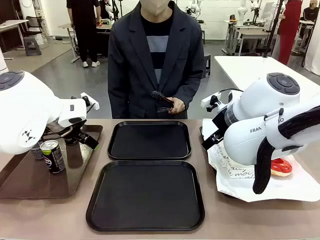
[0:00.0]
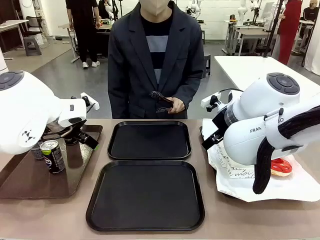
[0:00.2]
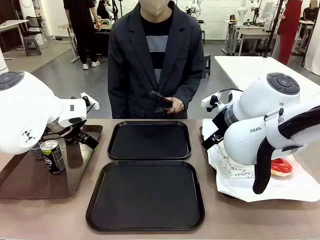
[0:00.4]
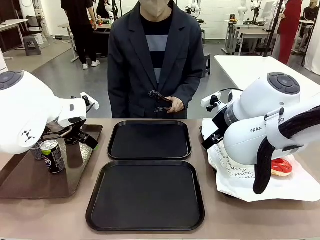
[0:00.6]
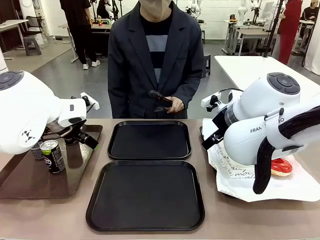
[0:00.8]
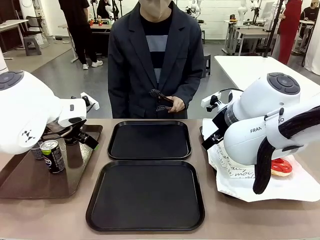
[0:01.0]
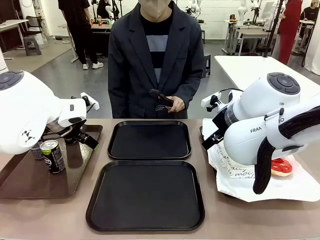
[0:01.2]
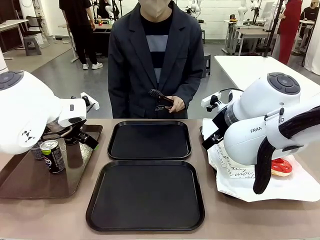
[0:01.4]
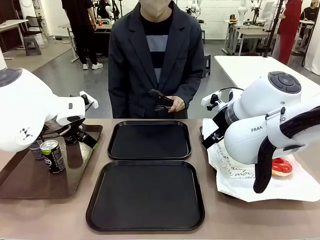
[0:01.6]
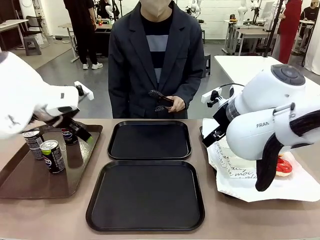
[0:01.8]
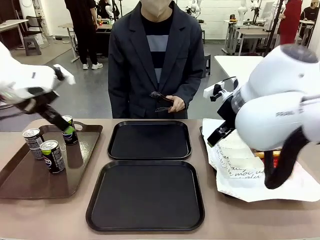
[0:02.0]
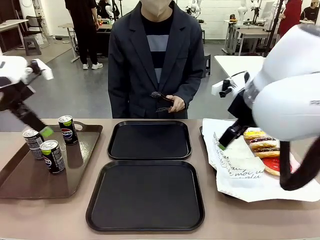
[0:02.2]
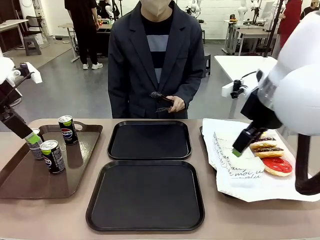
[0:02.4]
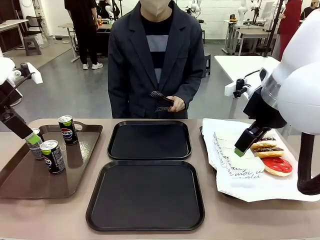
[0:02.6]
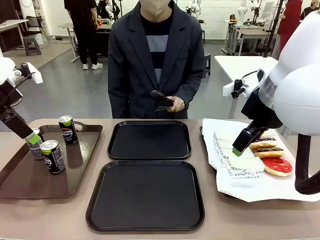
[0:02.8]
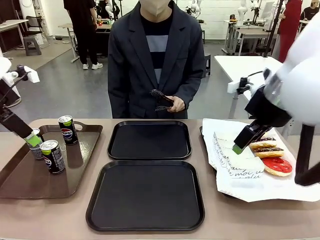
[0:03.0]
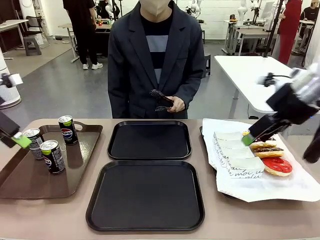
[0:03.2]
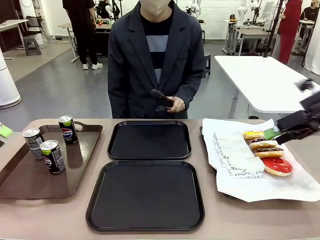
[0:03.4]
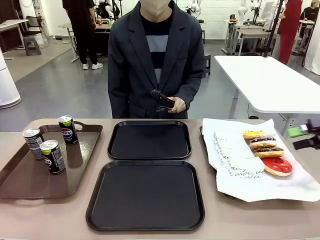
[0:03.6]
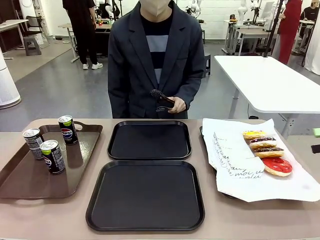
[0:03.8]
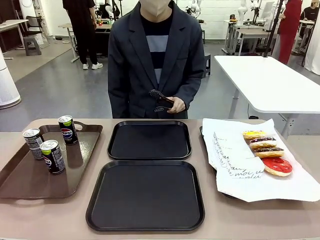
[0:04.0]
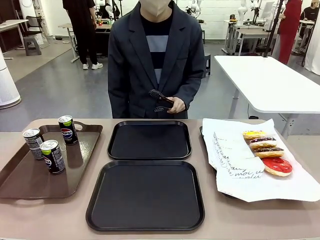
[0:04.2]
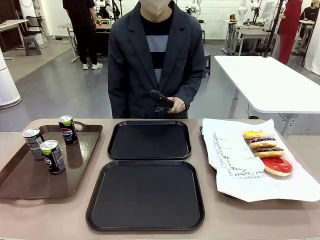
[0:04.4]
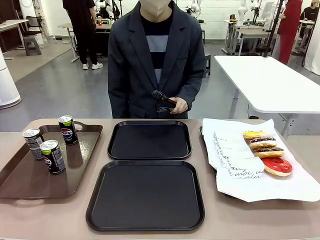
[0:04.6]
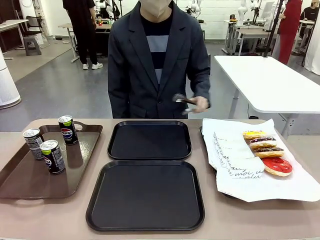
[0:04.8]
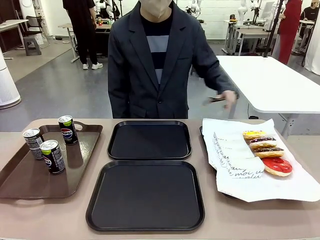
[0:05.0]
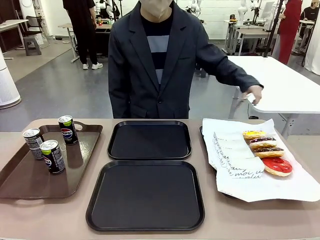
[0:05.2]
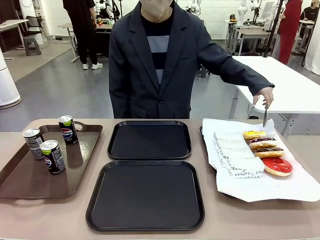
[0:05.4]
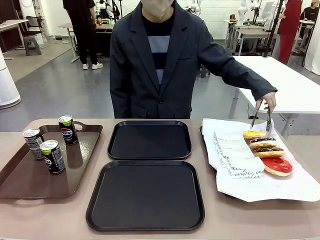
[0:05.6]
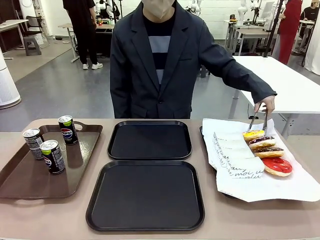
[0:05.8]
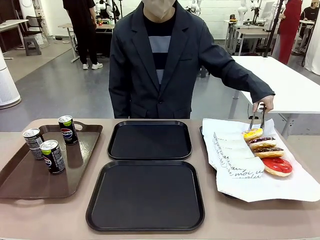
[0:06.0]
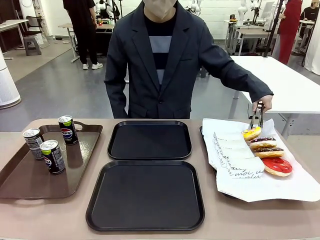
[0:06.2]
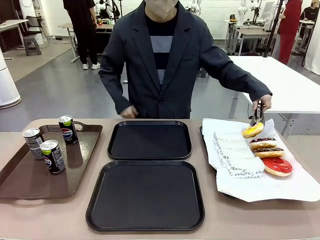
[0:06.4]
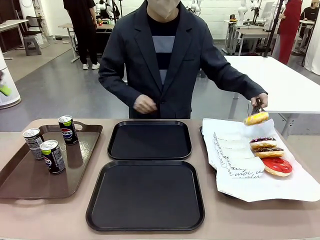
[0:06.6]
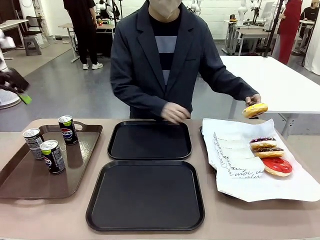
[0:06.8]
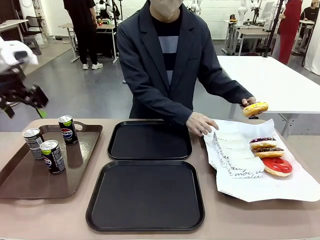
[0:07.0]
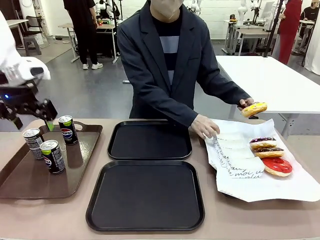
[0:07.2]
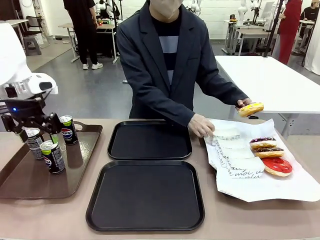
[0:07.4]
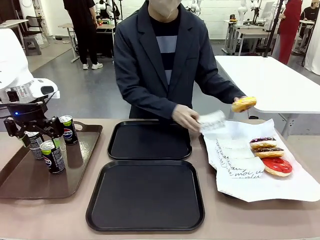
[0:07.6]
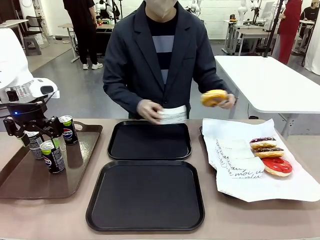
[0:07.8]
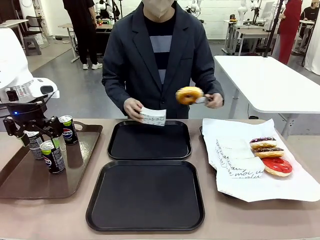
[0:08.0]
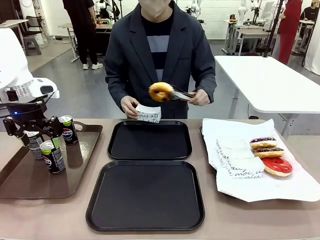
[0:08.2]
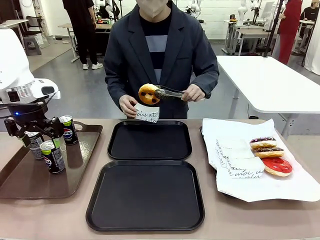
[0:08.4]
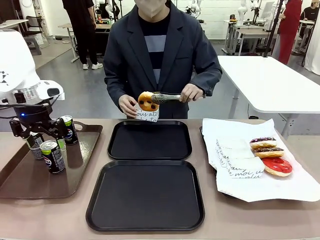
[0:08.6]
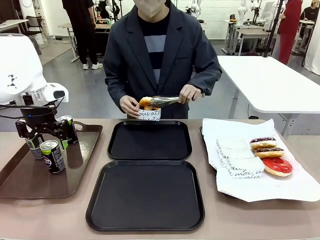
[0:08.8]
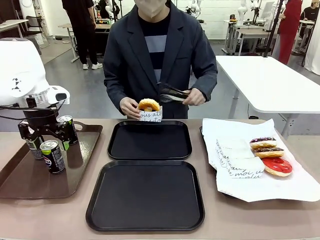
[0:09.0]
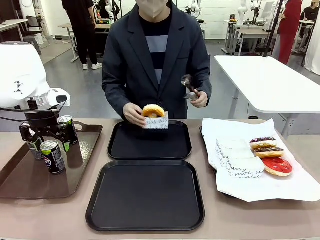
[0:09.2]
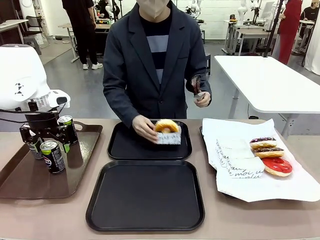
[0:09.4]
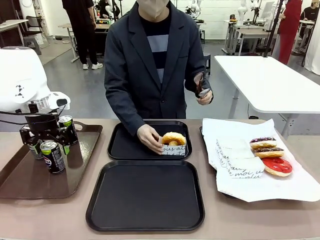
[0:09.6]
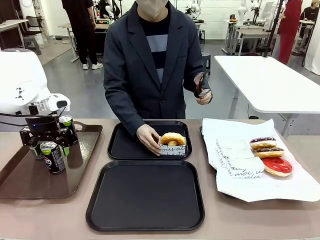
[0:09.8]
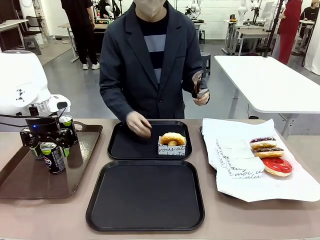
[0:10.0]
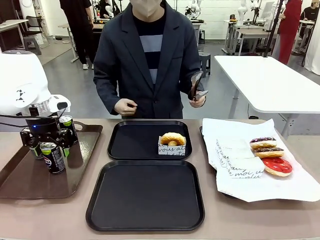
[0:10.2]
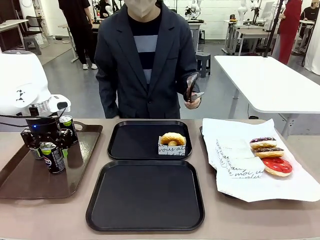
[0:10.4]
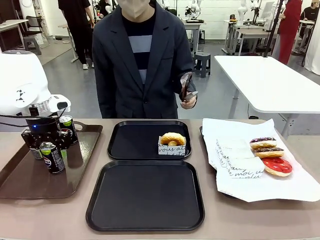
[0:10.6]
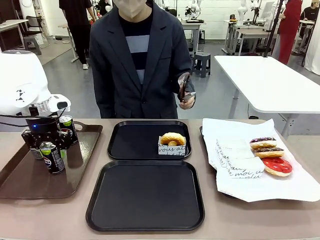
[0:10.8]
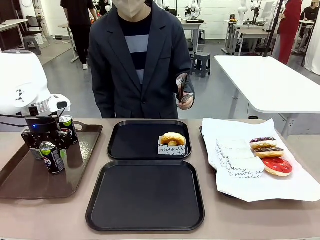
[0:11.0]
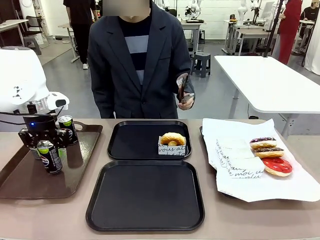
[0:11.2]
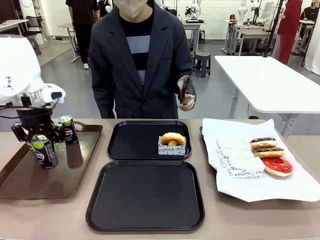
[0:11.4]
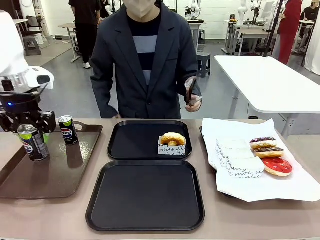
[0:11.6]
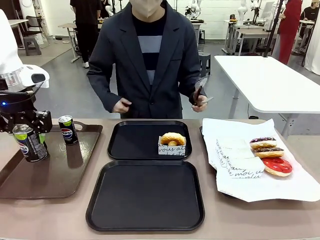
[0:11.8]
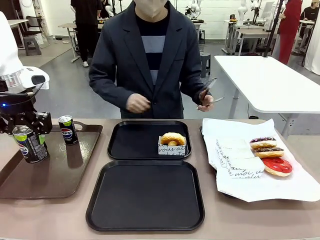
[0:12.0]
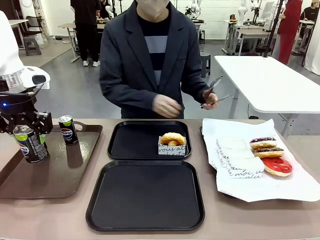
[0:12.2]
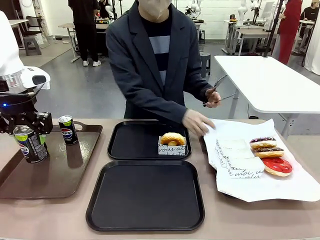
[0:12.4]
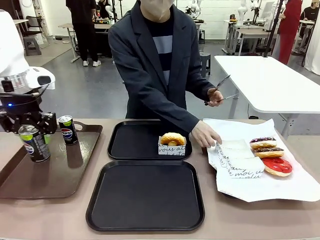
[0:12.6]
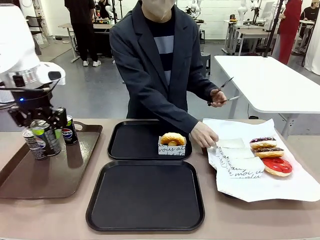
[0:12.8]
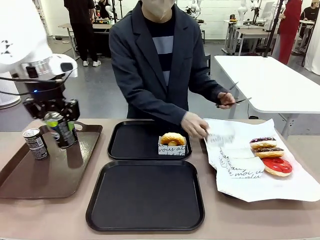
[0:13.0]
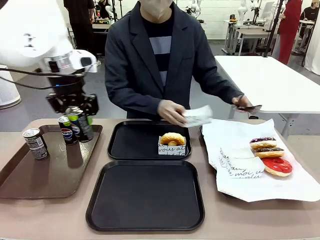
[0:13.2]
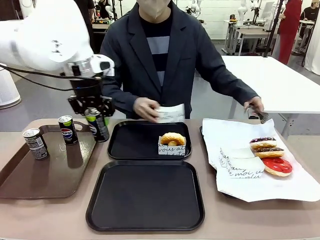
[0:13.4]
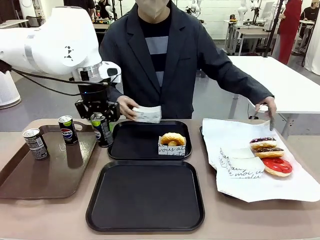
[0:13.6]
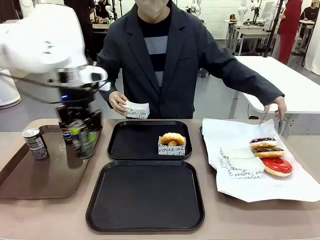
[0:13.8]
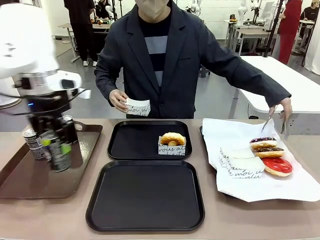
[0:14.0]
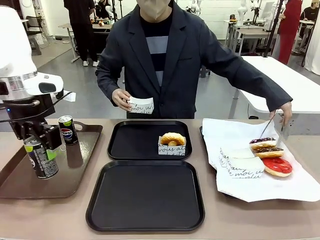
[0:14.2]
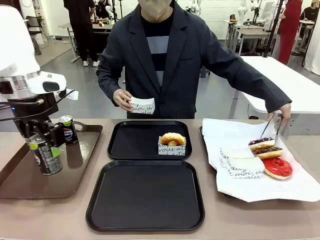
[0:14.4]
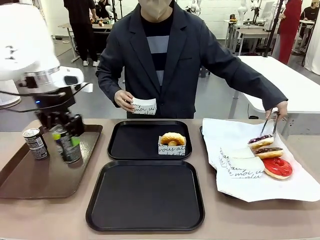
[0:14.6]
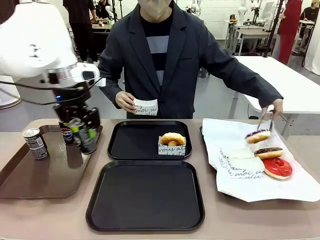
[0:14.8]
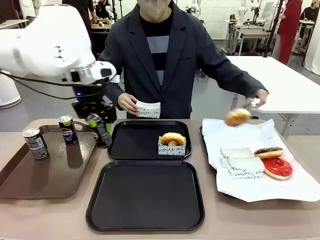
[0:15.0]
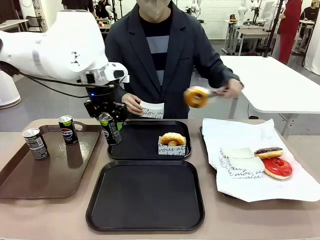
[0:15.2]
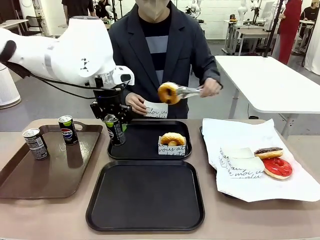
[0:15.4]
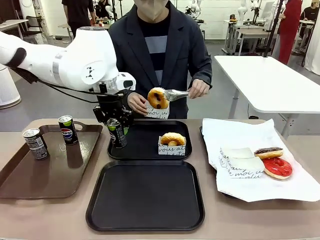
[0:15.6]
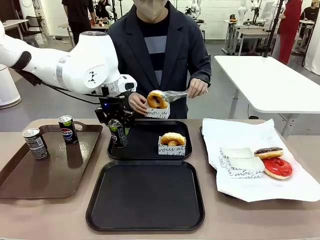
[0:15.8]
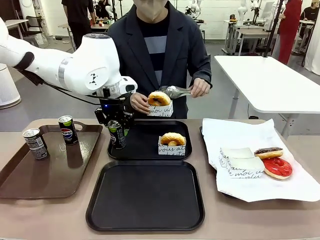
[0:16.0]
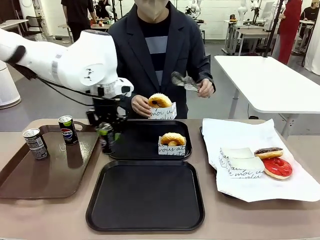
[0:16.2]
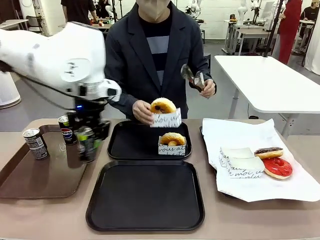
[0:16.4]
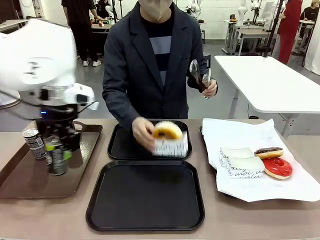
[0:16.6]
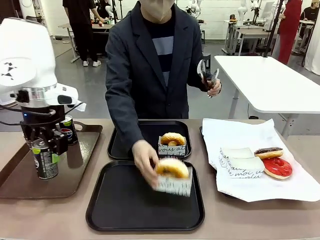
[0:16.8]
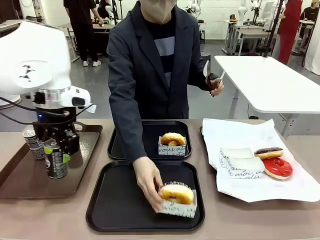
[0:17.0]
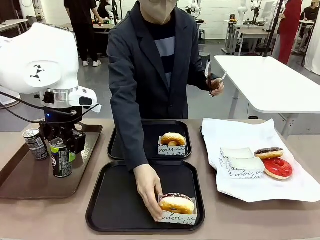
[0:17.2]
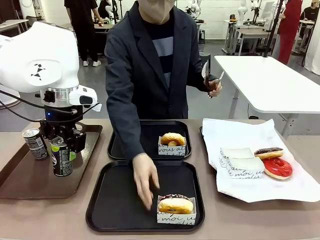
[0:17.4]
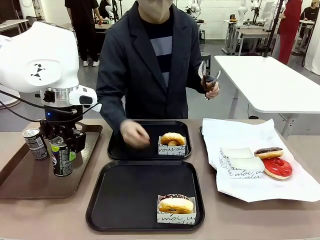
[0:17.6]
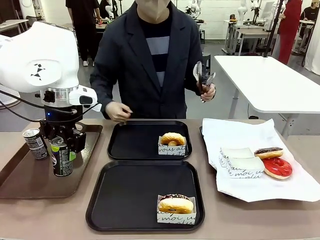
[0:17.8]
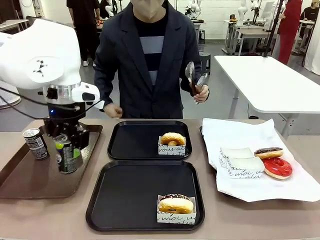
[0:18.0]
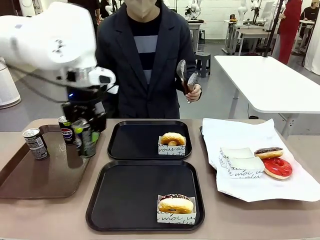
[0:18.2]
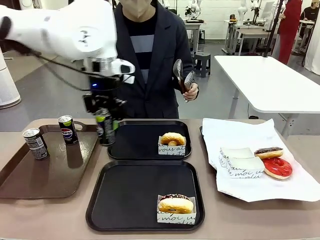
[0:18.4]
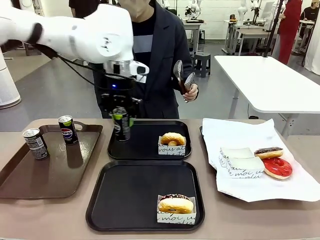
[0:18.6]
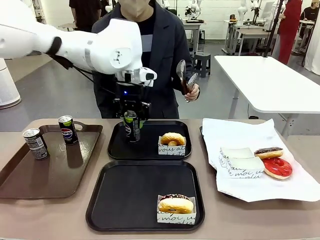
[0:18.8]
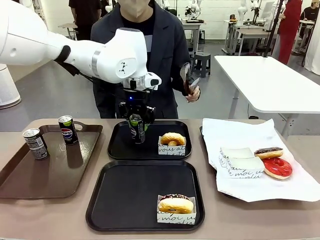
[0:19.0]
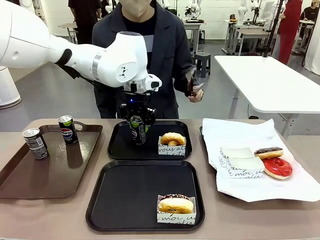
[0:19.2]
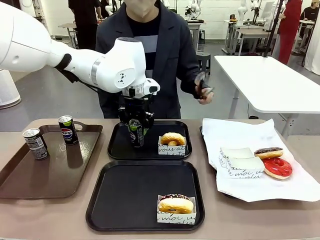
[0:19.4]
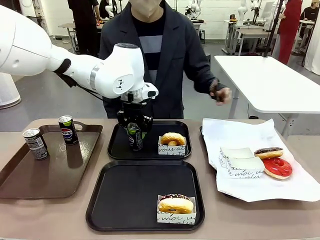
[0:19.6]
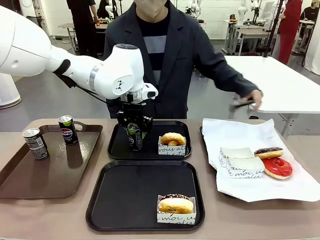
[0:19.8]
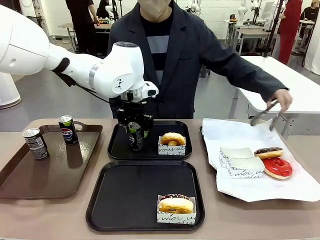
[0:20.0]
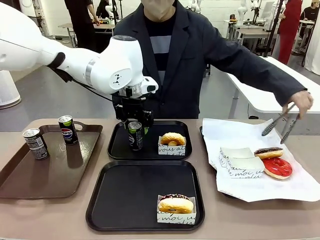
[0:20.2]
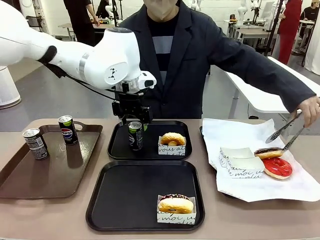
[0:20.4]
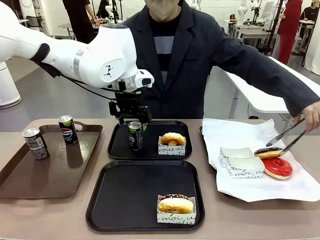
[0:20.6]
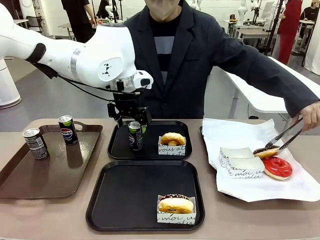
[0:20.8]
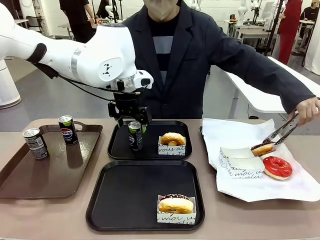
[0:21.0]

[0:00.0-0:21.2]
Task: Set up donuts and drinks on trays.
Robot: Pick up one Pepsi coke and place it on the Flat Tray.
Person: Pick up one donut with tongs, place it in the donut tray, and then place the donut tray on the flat tray.
